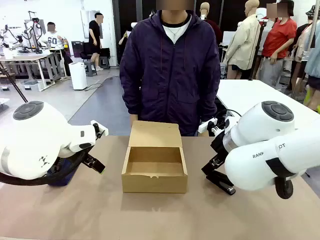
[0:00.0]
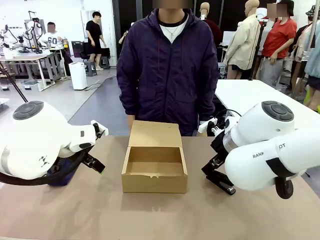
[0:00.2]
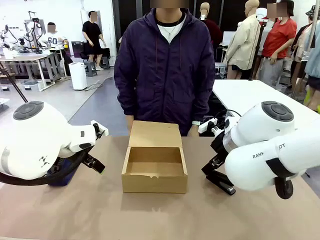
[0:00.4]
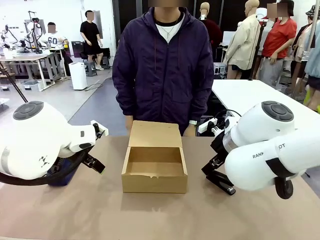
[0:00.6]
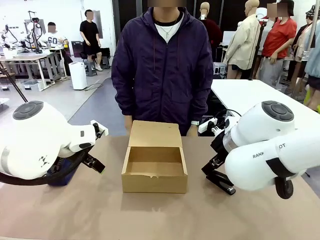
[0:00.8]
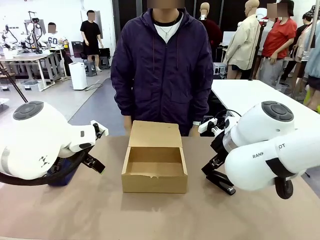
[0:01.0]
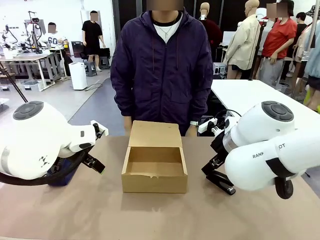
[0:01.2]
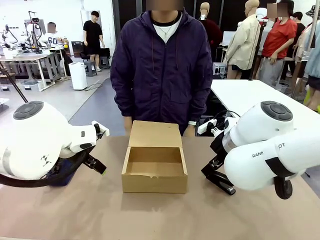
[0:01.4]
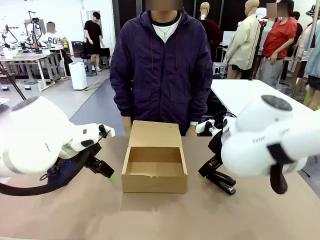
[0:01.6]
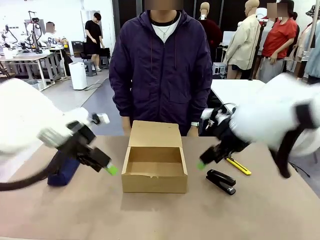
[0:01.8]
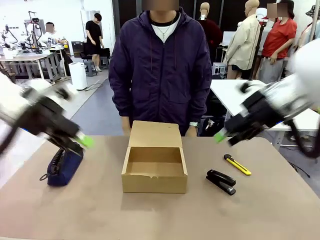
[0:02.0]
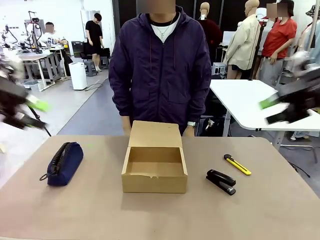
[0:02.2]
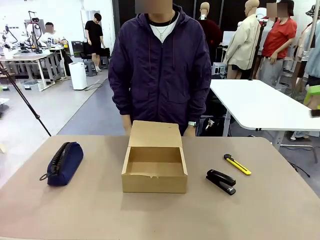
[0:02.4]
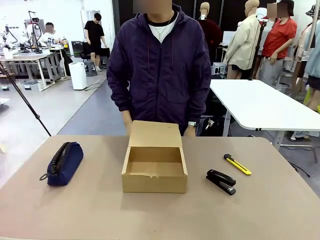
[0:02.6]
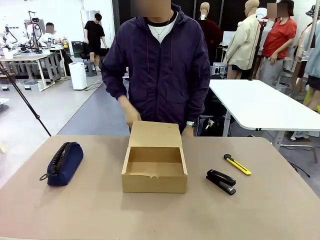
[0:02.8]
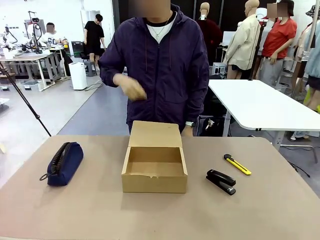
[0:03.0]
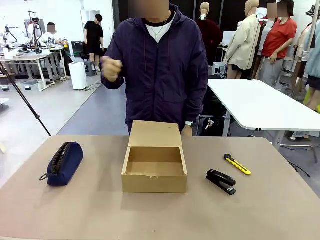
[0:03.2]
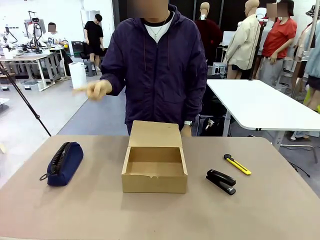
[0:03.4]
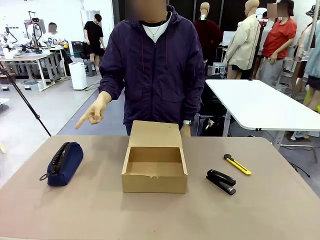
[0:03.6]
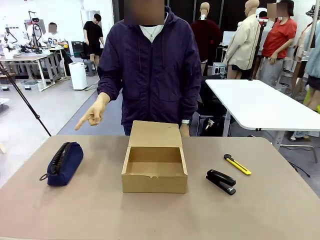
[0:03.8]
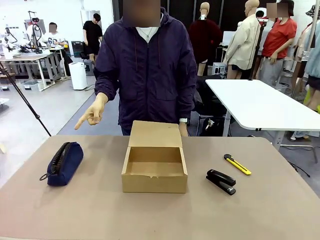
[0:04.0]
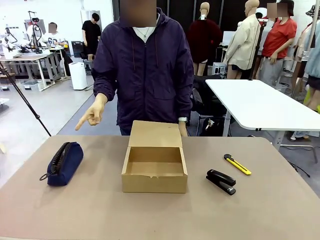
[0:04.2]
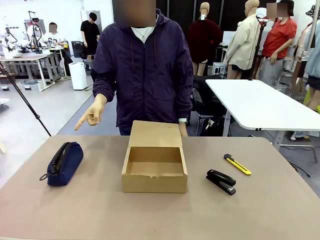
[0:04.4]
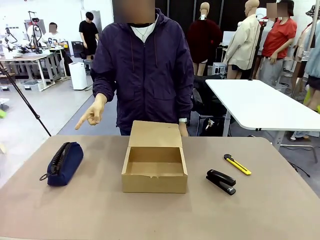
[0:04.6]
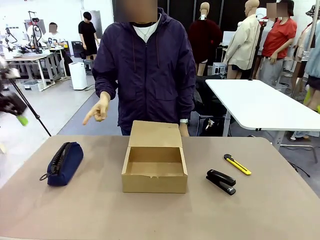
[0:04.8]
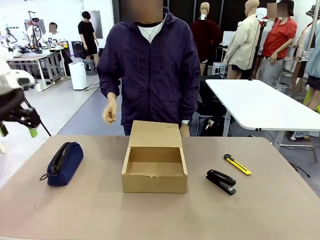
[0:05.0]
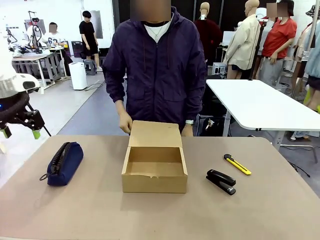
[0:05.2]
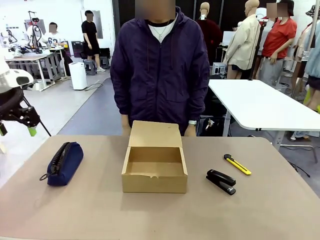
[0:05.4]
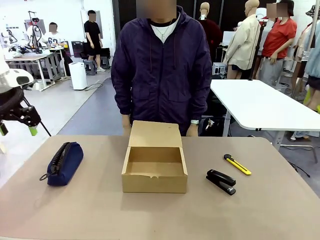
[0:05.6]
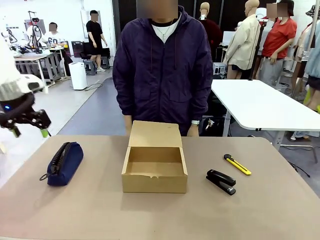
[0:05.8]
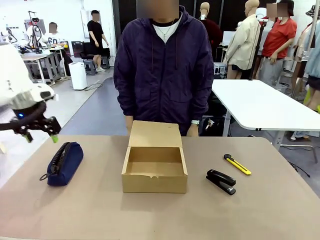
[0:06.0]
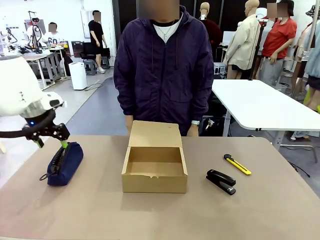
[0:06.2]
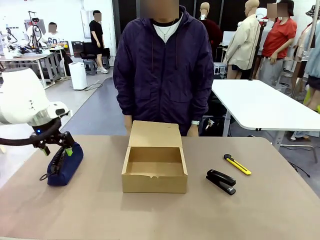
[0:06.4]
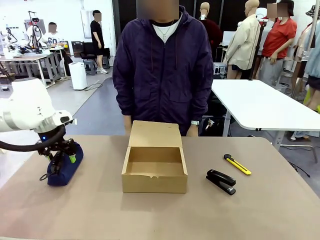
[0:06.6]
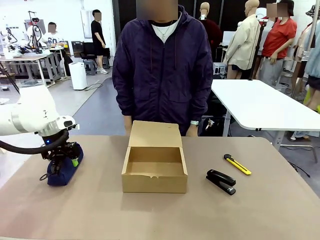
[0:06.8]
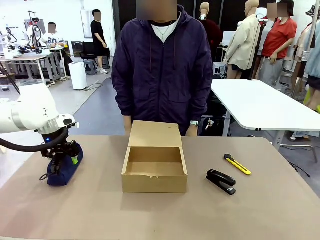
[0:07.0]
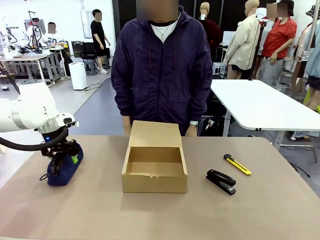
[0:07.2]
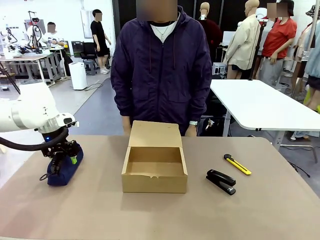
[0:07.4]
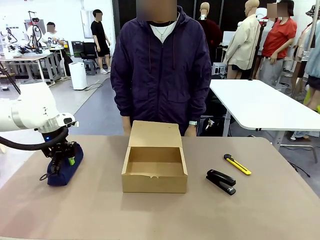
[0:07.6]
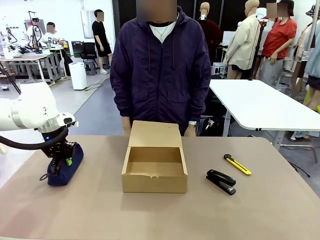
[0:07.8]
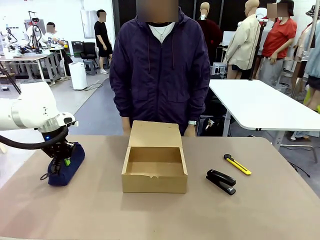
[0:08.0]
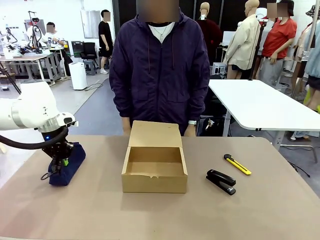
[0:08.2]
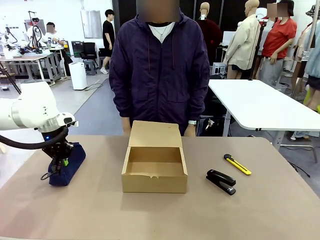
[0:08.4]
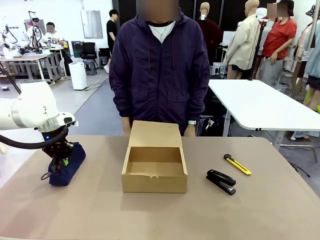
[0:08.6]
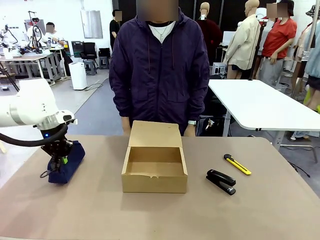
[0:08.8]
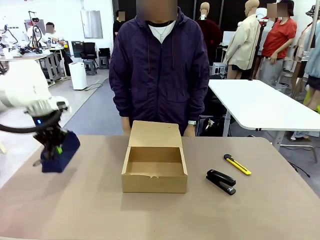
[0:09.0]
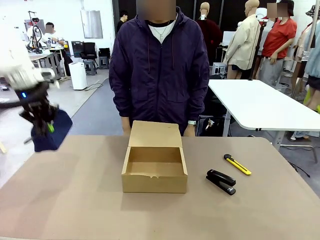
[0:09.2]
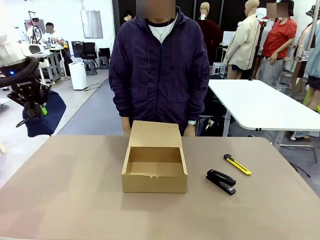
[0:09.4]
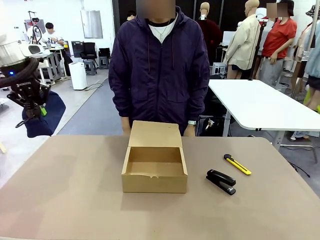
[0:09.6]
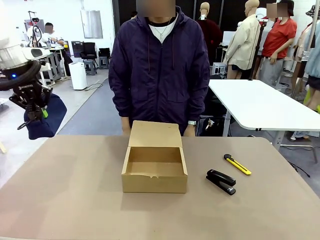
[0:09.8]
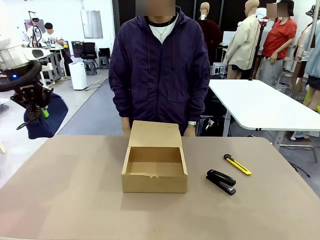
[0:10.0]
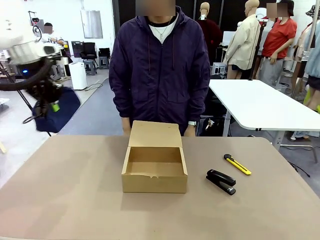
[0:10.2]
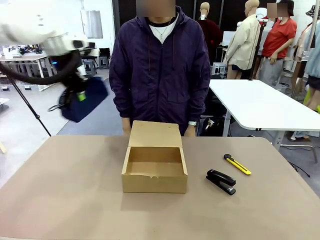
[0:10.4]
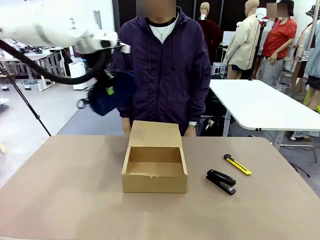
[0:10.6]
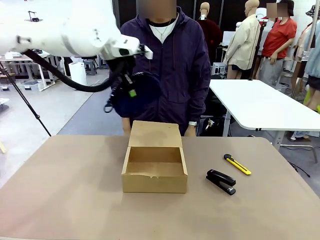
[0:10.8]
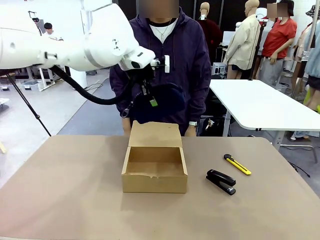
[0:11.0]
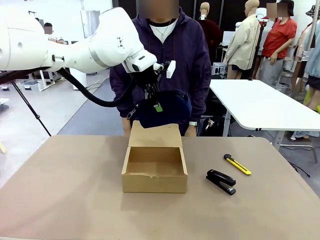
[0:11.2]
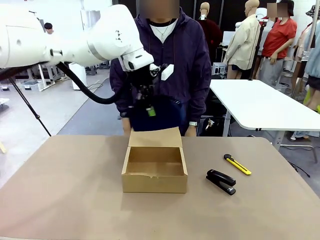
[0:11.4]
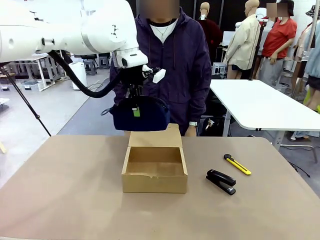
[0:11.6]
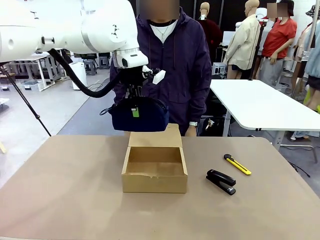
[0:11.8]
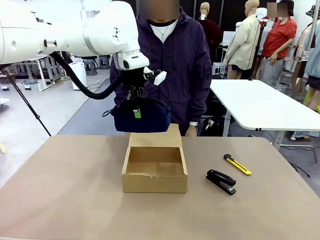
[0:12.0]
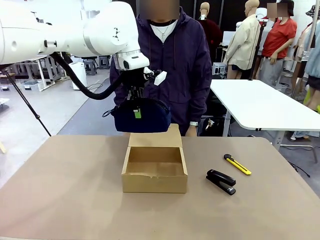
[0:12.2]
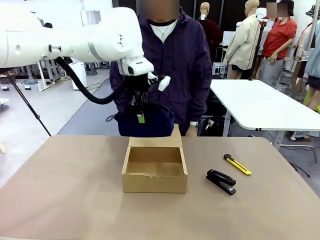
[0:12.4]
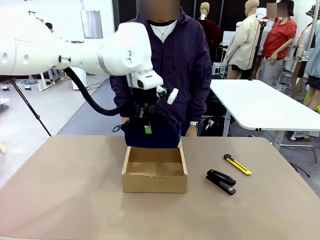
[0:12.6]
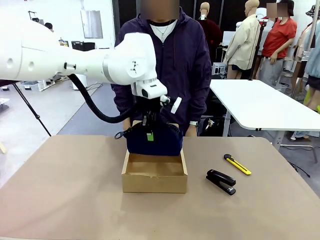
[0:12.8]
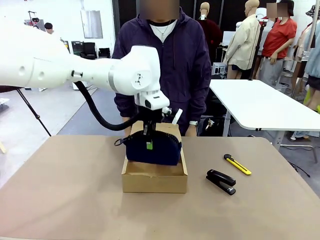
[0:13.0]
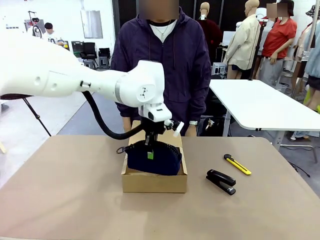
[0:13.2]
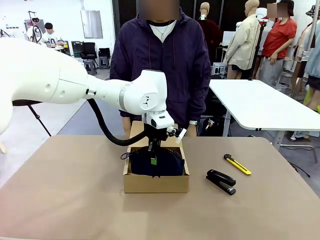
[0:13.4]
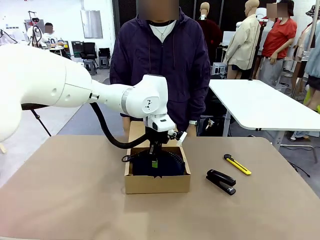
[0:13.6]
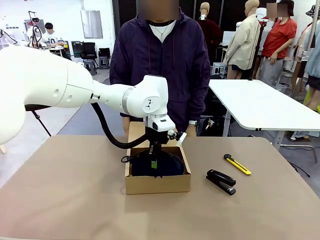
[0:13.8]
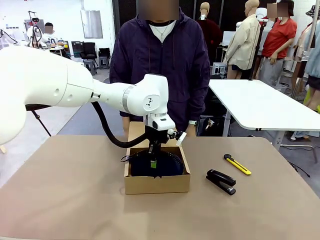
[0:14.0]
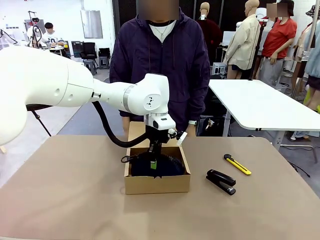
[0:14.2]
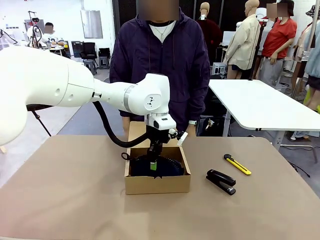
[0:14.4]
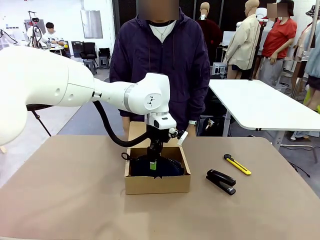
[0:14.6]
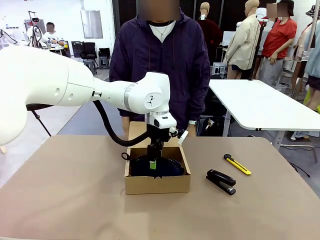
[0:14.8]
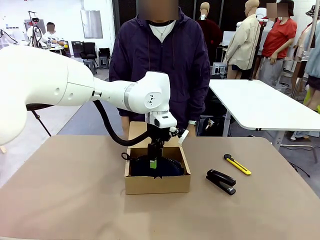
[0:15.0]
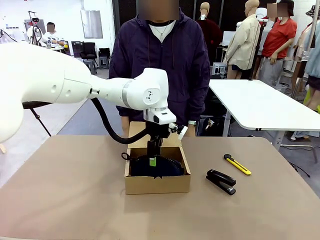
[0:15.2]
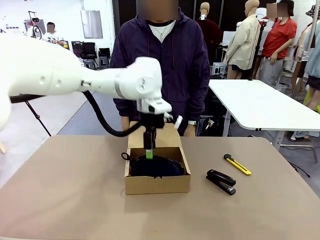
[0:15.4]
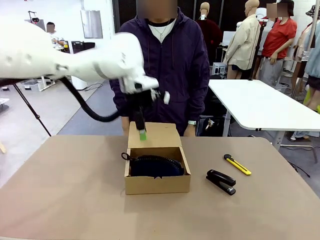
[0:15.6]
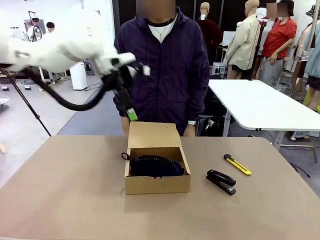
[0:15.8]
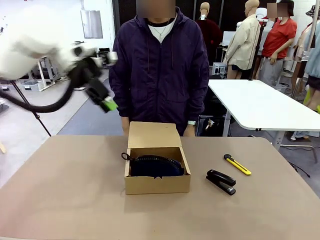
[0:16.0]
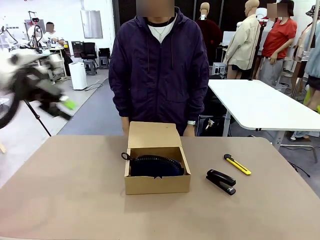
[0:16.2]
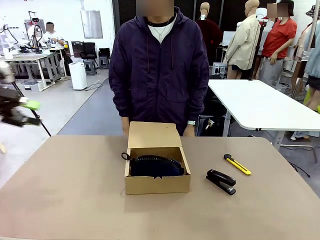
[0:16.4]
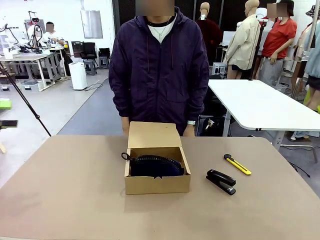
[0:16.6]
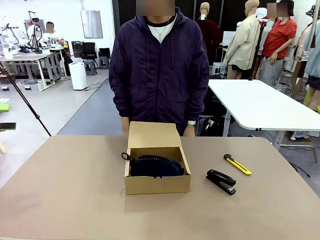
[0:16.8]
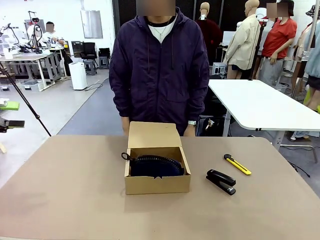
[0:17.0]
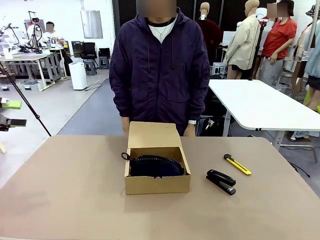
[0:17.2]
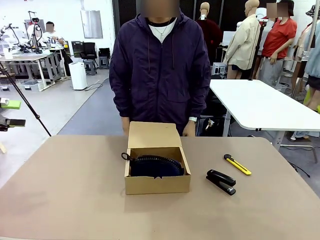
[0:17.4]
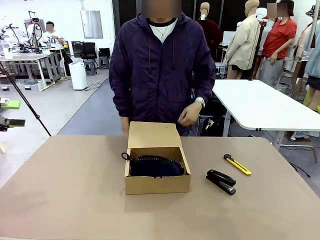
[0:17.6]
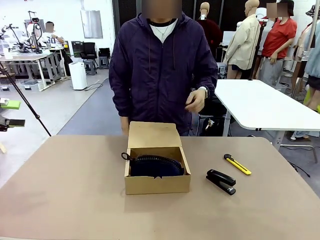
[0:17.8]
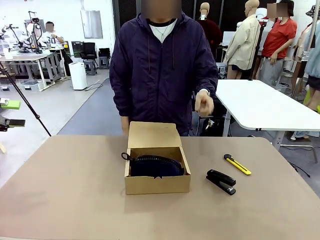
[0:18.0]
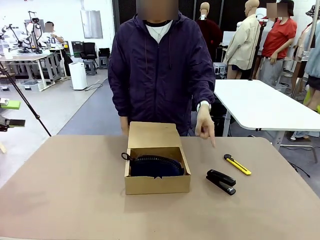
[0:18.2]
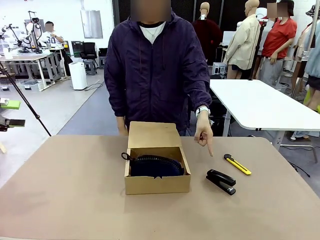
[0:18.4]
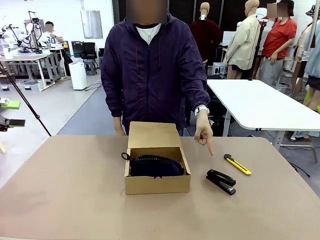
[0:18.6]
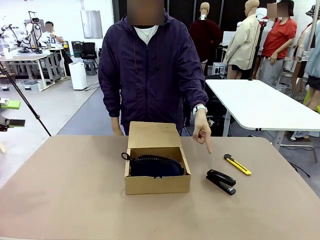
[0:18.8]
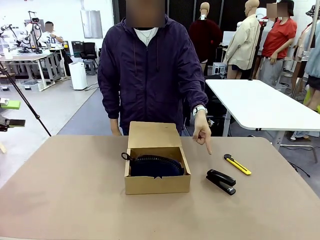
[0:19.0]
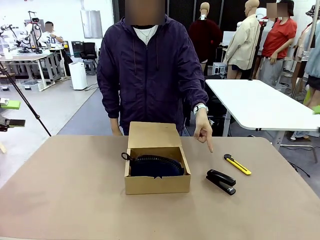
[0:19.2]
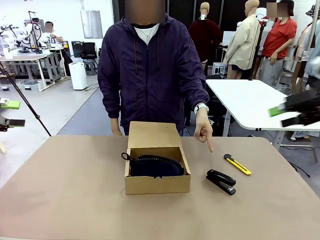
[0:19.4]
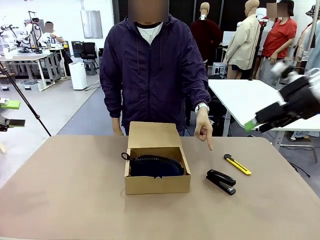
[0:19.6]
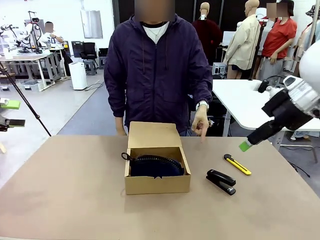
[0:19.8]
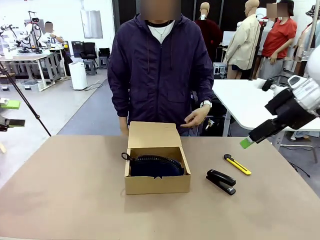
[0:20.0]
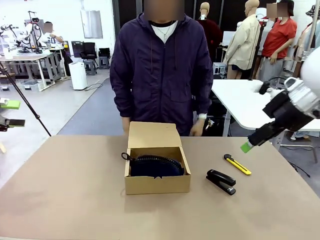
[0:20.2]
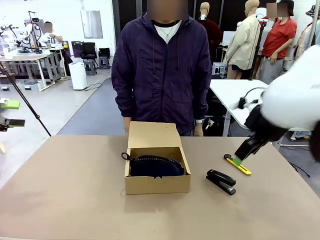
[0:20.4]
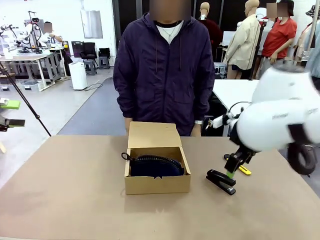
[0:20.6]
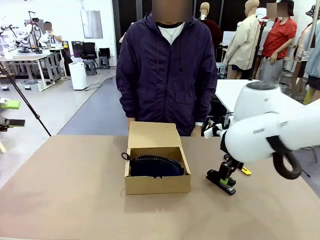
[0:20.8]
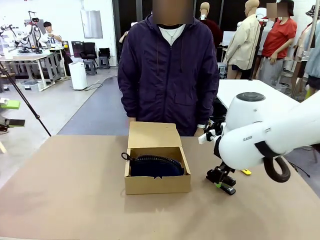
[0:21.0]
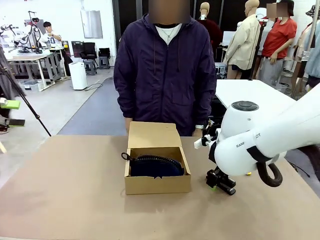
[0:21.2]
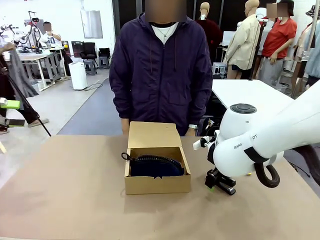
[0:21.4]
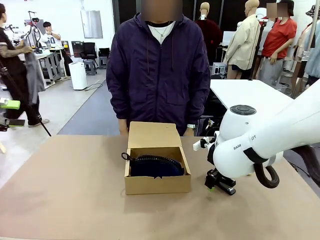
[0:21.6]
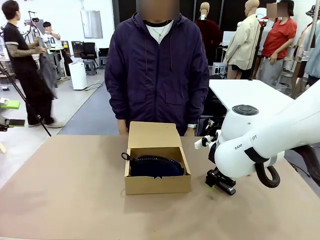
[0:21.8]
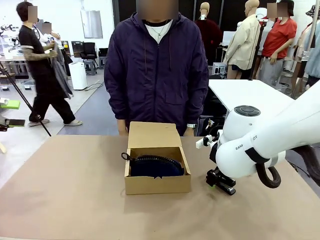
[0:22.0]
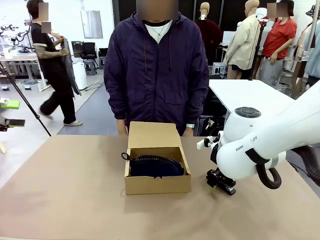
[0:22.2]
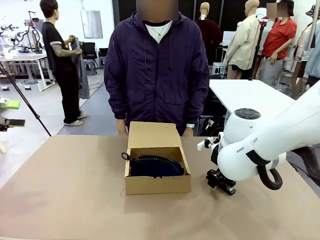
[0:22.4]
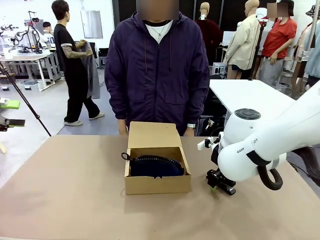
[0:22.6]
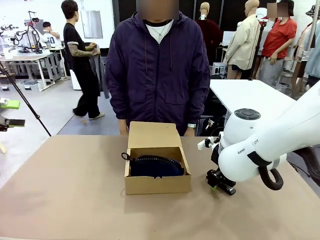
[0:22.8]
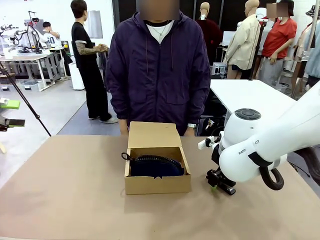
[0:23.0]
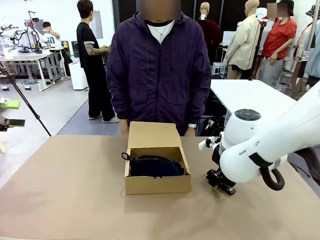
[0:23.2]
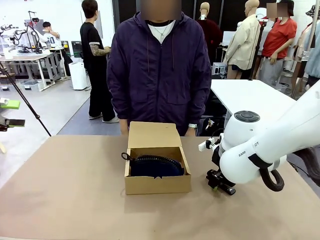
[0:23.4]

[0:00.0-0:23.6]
Task: Pack the items into the box.
Robot: Pick up the item indicated by the person and place it inside the Mailer Box.
Person: Point at one item on the table (excluding the box).
